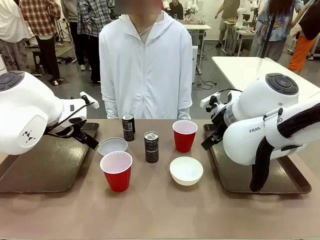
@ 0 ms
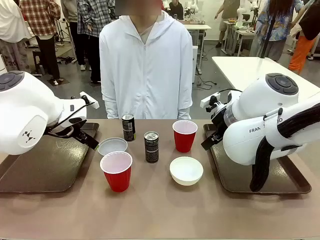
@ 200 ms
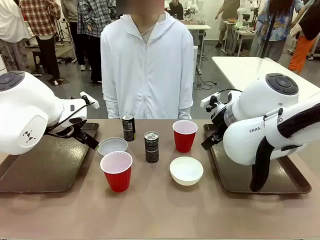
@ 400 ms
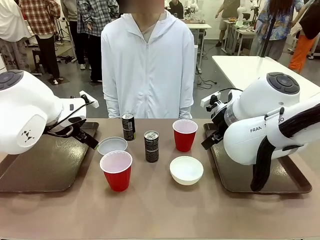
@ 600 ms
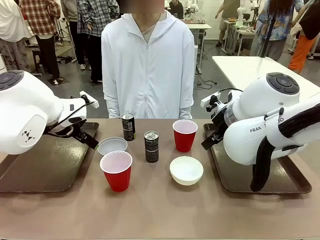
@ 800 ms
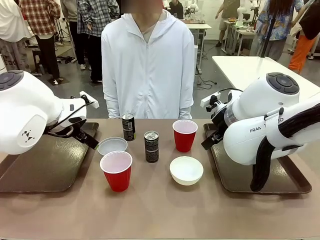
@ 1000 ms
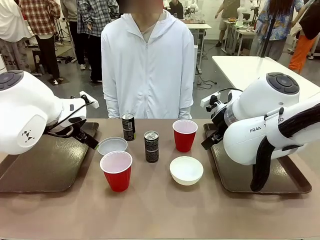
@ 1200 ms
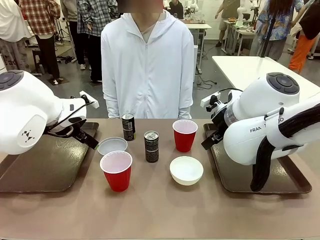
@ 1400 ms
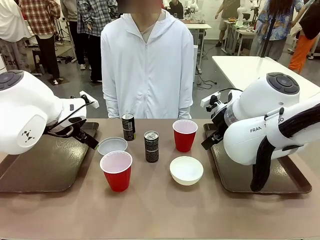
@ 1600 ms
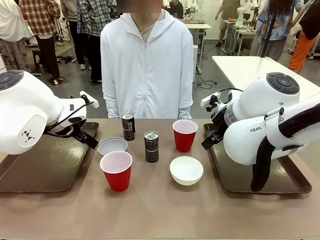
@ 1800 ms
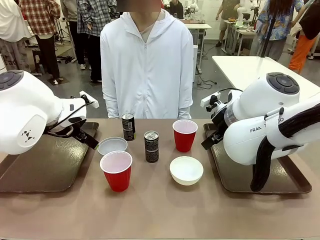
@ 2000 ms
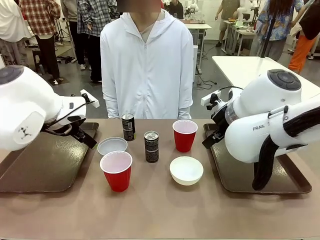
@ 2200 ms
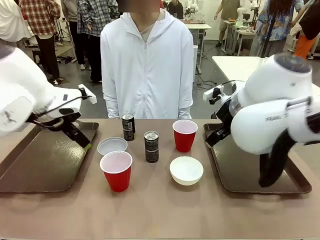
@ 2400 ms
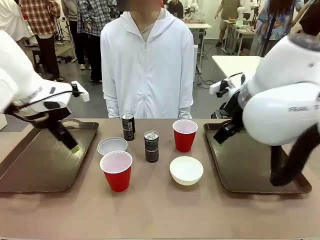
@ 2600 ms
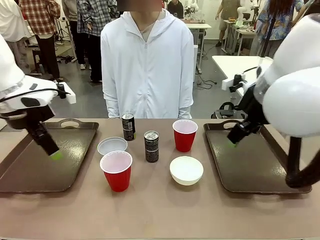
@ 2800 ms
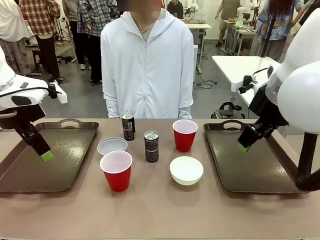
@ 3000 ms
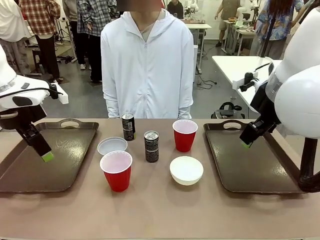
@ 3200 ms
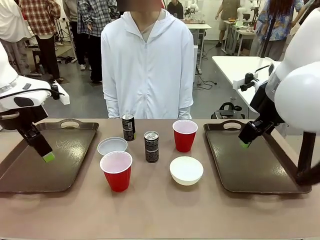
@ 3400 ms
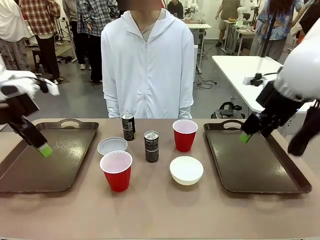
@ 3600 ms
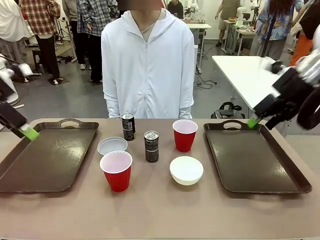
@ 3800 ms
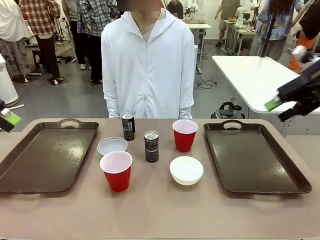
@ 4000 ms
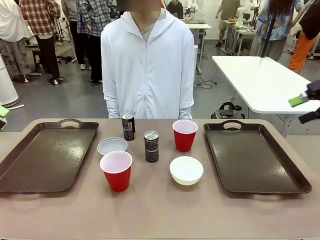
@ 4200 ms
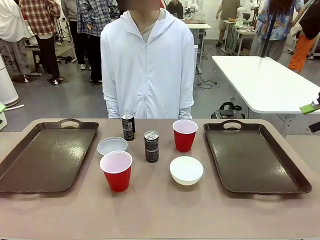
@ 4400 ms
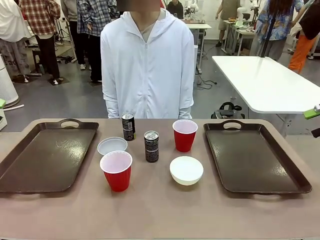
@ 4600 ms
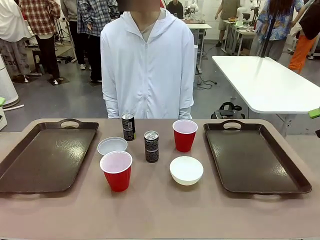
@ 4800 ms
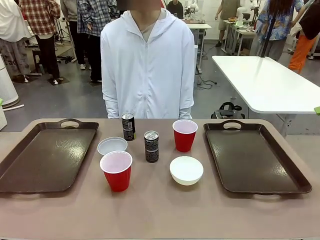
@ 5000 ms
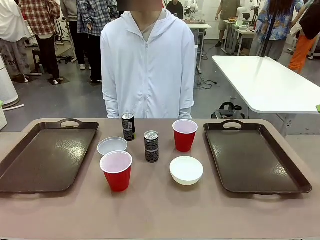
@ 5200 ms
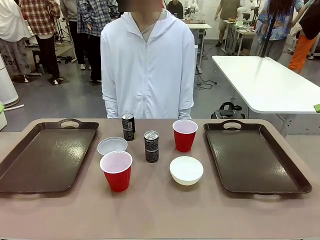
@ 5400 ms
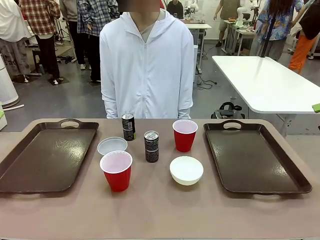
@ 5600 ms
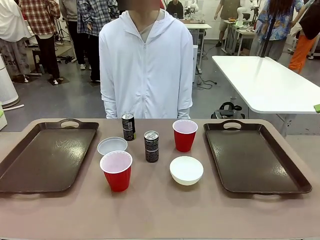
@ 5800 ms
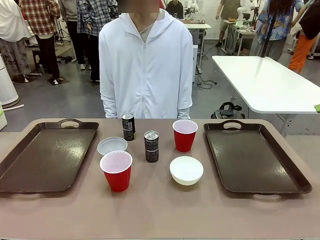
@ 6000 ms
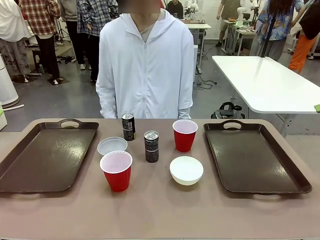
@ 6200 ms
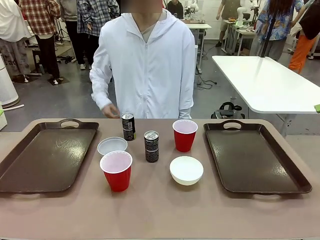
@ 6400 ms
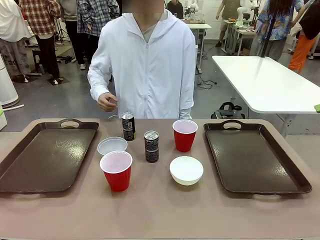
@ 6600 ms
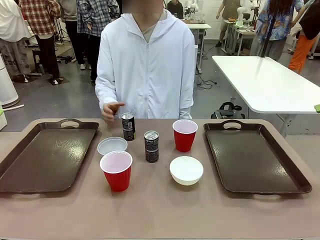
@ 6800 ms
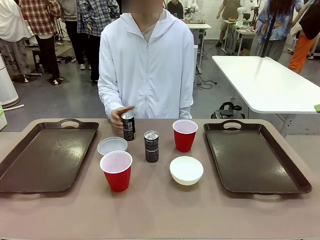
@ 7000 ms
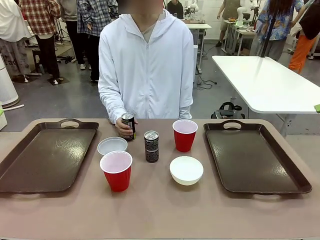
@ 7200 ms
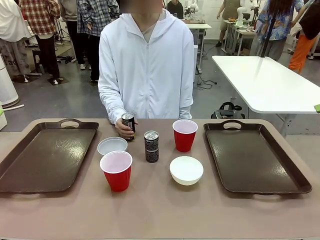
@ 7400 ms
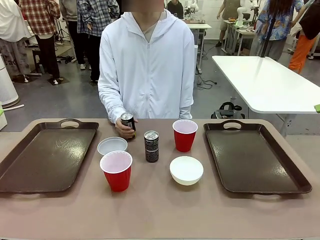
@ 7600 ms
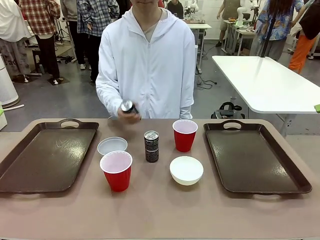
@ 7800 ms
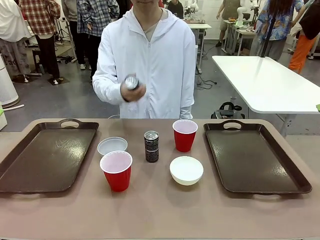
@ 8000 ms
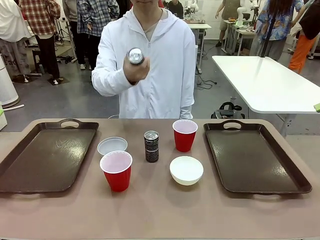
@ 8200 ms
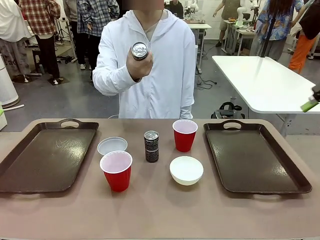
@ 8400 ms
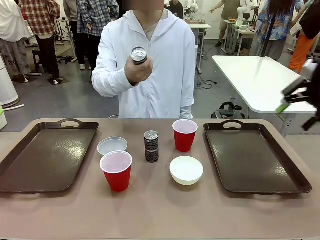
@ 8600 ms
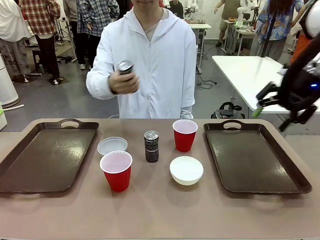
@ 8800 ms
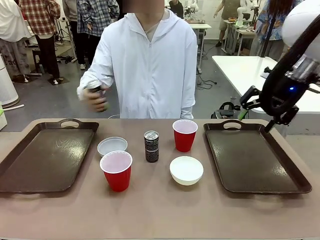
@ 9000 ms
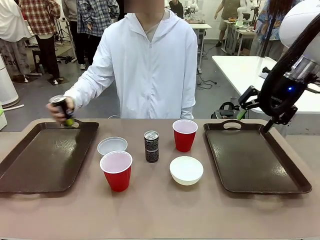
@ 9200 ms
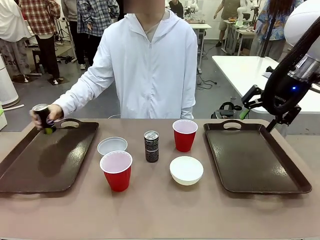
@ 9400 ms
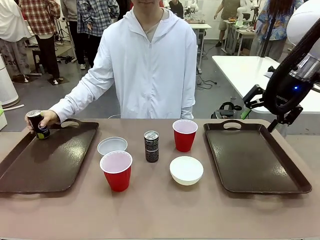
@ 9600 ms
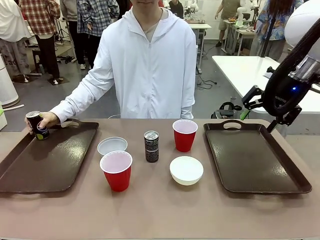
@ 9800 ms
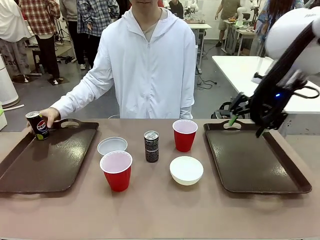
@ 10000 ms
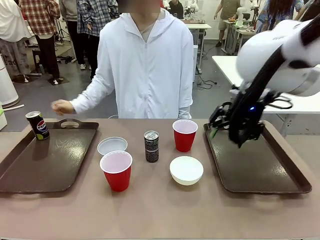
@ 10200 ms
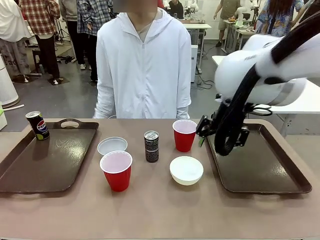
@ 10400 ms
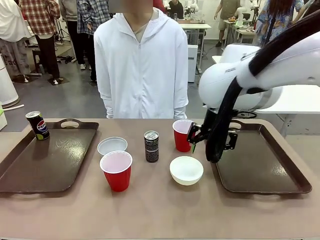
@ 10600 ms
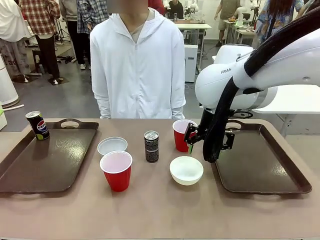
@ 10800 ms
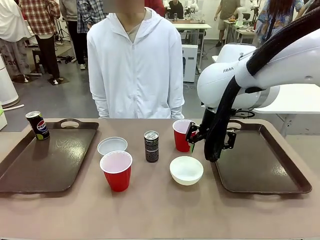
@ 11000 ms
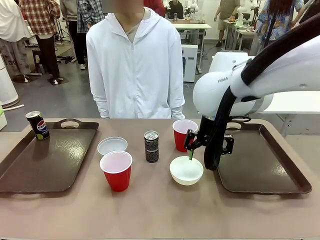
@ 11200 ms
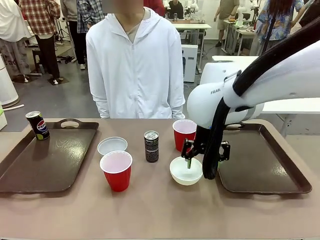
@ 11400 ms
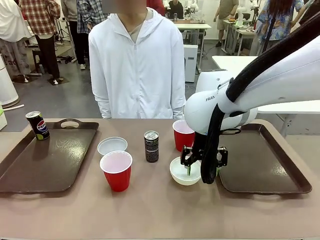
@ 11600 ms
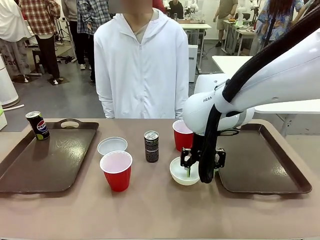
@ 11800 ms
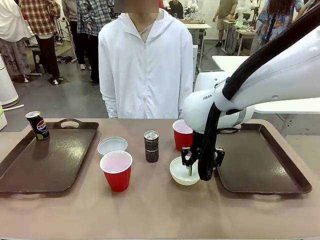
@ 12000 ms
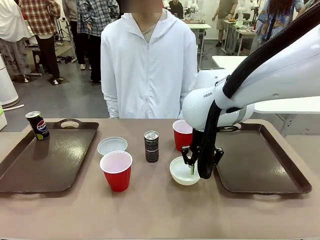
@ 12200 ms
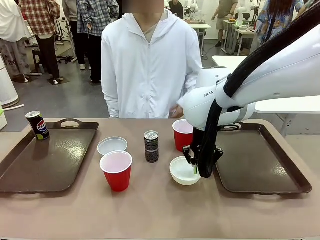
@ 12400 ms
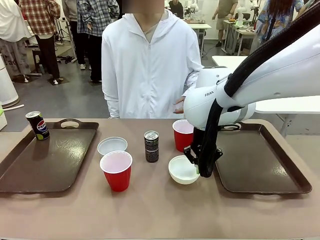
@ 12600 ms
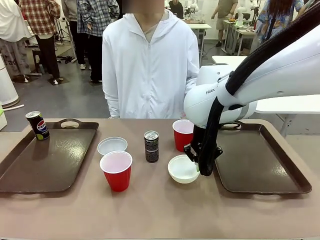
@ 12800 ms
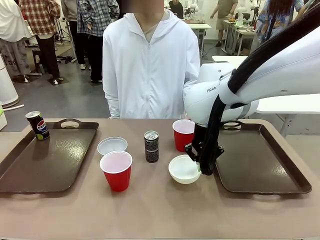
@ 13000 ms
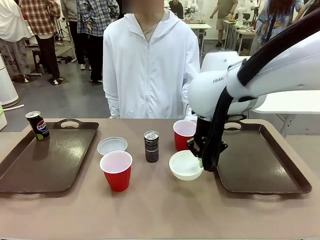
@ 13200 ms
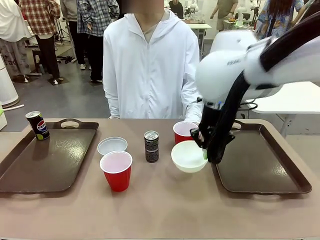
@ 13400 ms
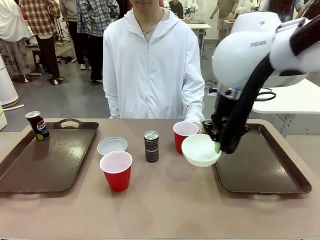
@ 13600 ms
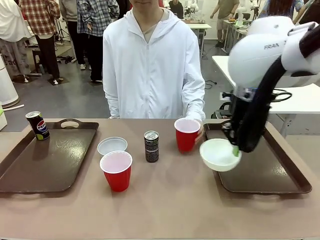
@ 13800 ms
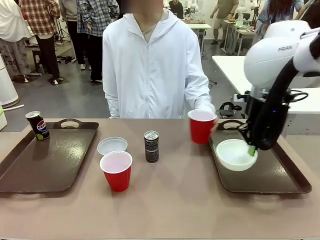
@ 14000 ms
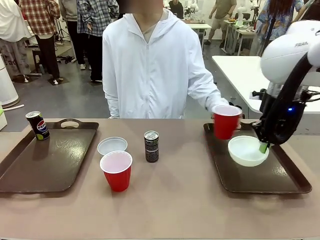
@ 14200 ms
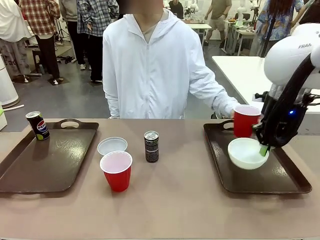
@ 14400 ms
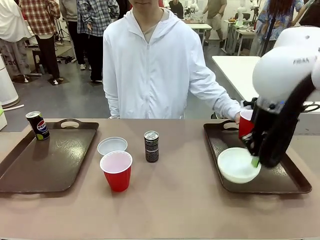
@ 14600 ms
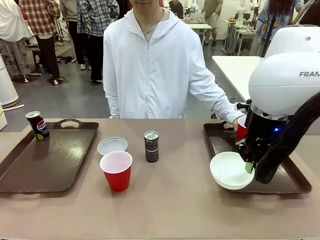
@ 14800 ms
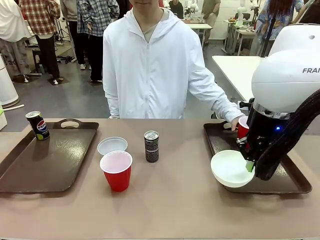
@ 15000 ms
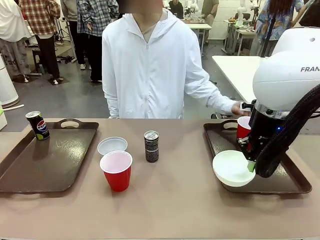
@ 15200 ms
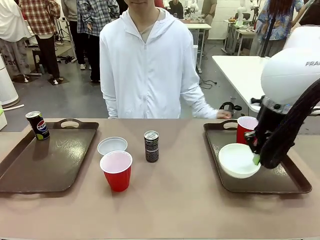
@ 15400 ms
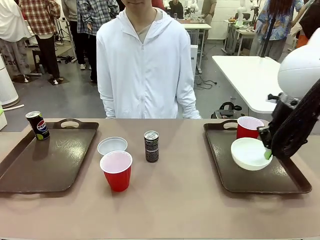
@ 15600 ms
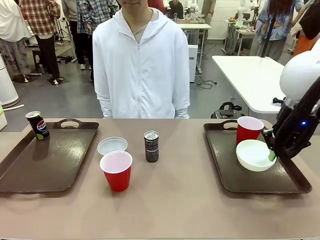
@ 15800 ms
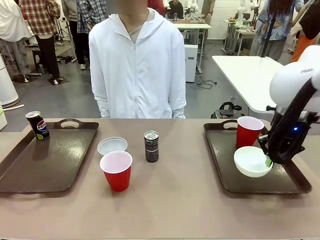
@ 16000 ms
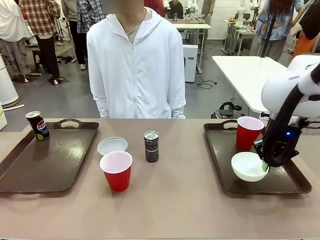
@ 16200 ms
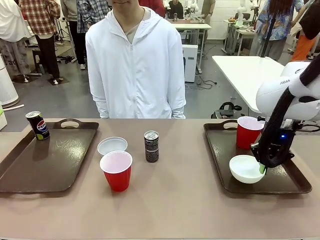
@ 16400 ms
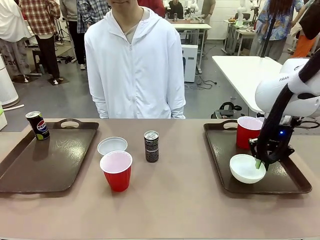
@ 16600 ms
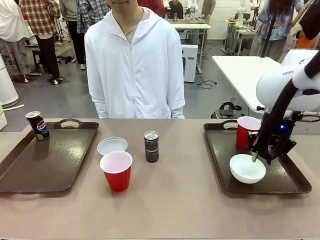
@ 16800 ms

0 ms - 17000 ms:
Task: Prepare tableware on both trays.
Robot: Pick up a Picnic Bowl from the table and place it on a Handle tray.
Person: Pick up a can or cup and place it on the tray.
